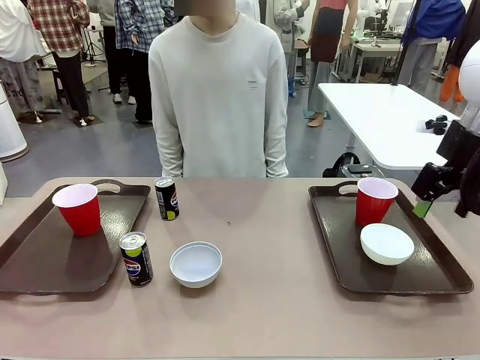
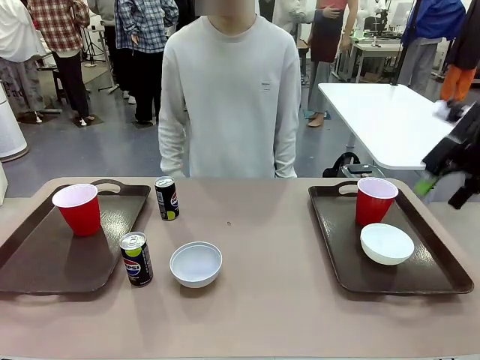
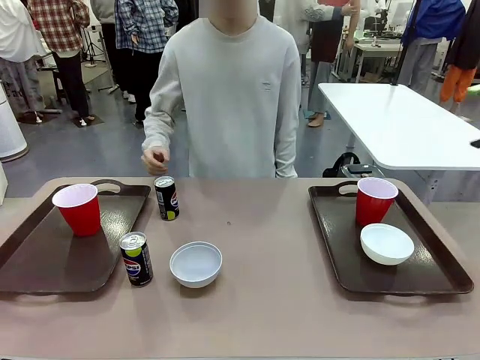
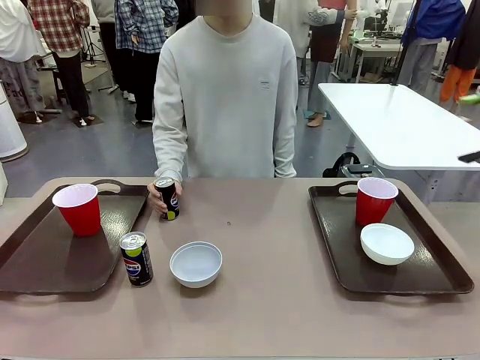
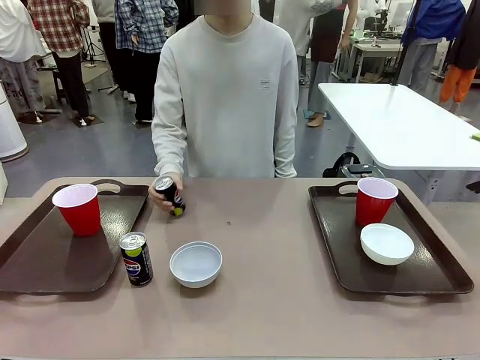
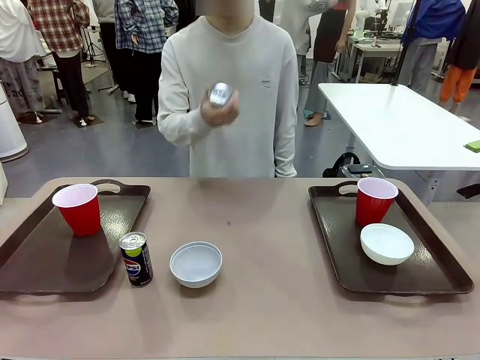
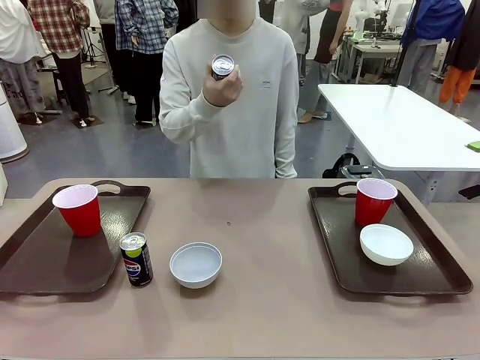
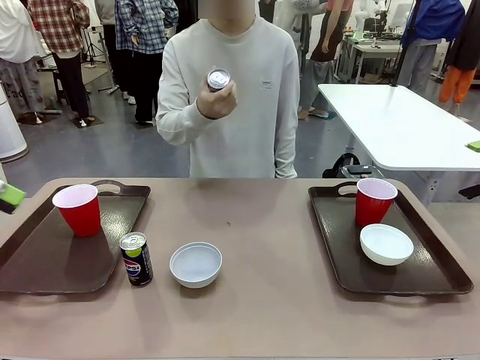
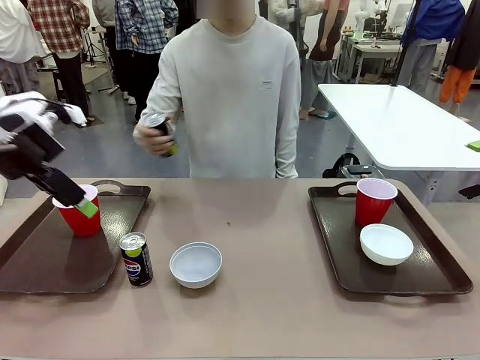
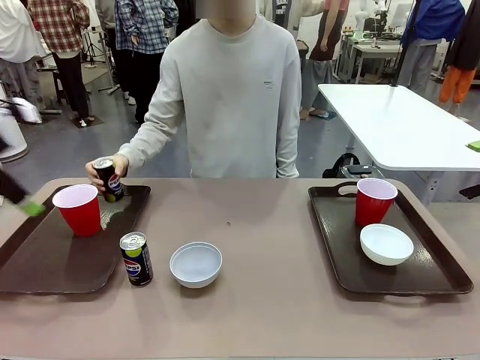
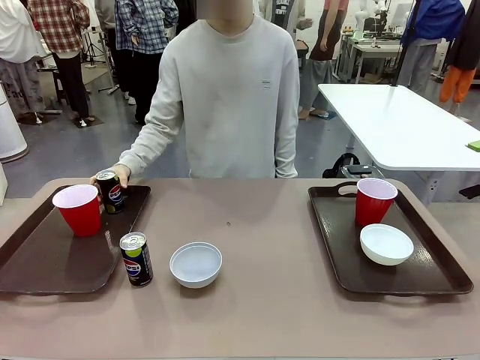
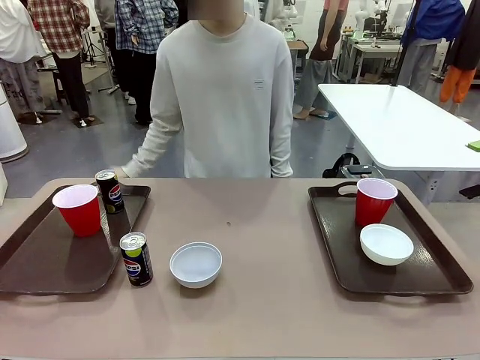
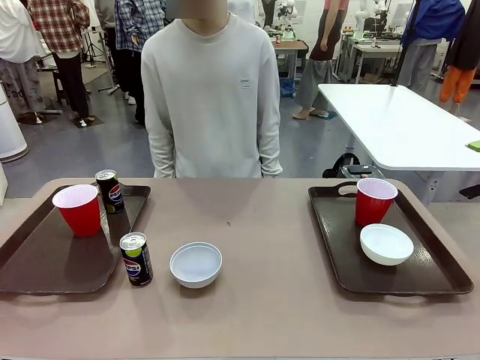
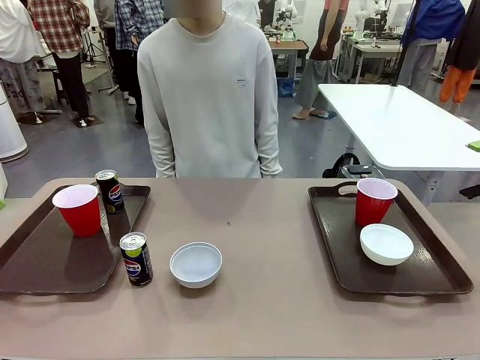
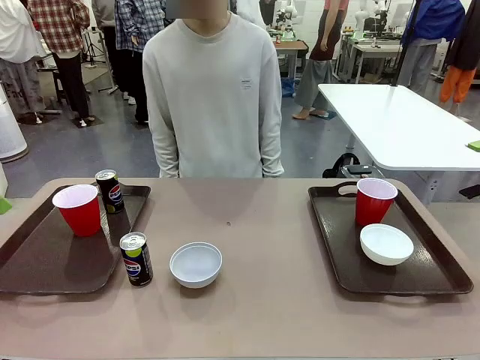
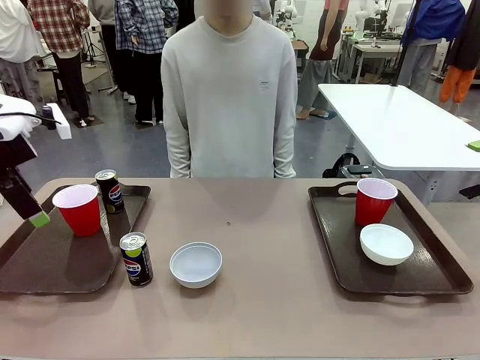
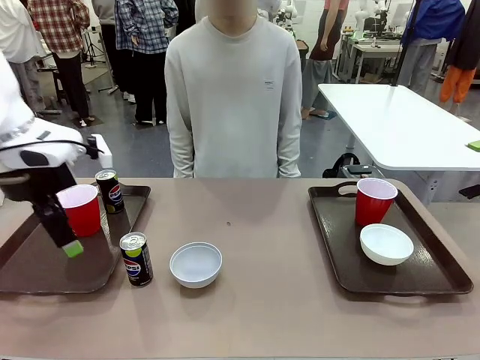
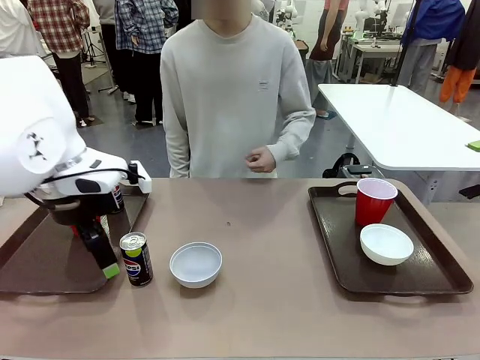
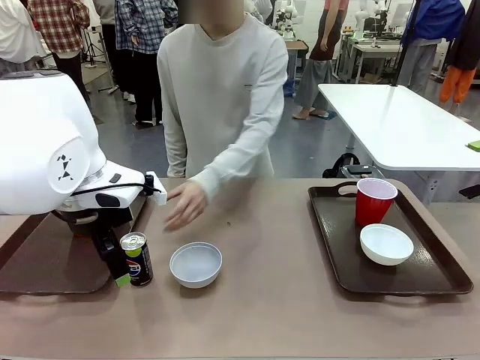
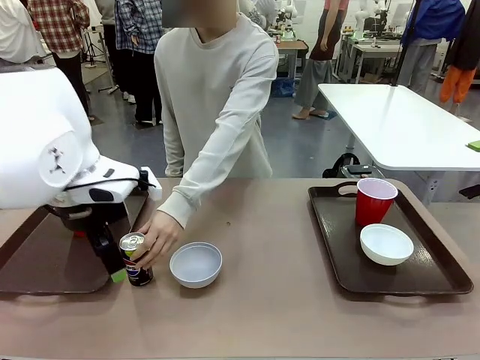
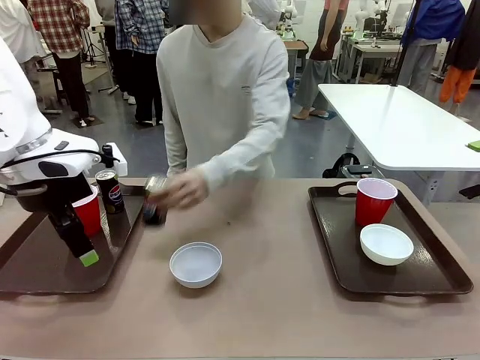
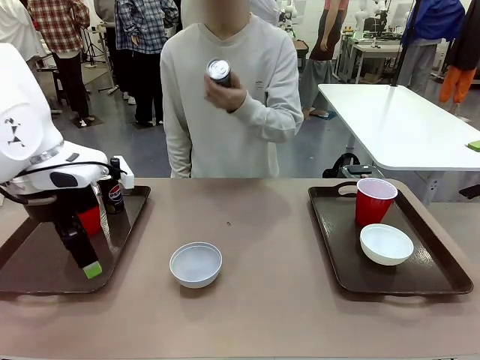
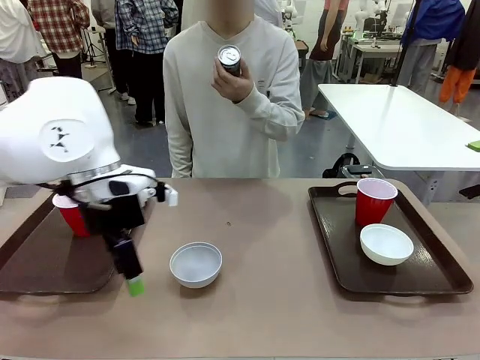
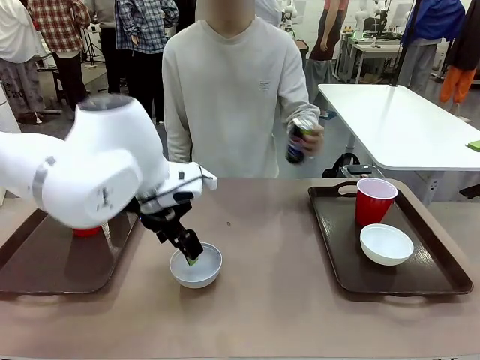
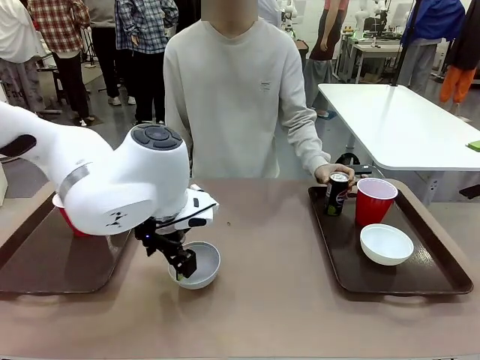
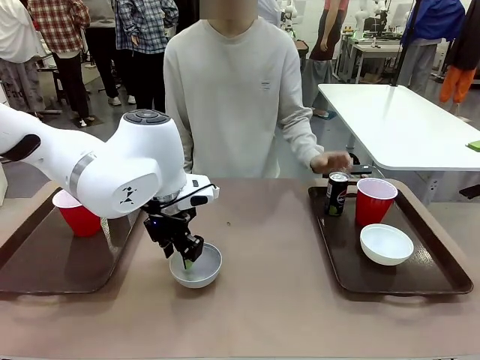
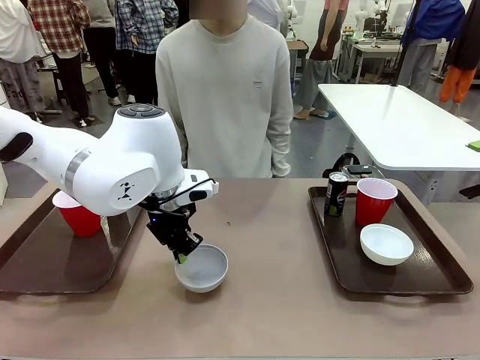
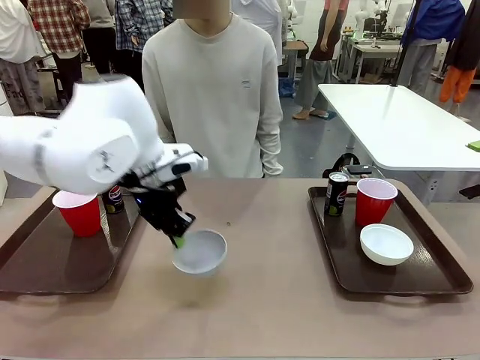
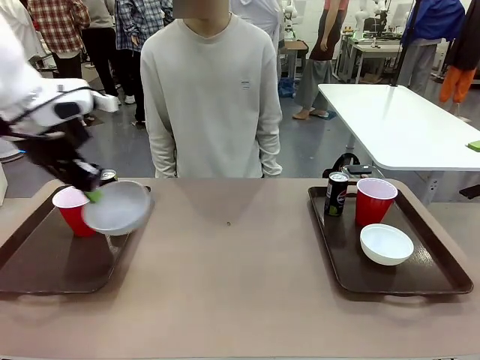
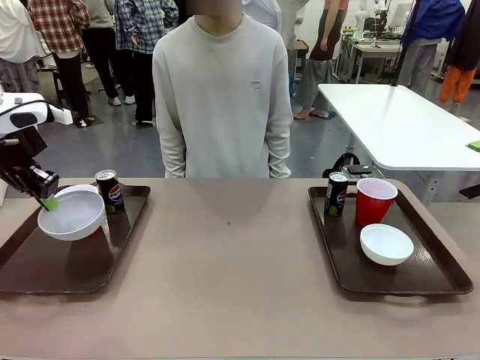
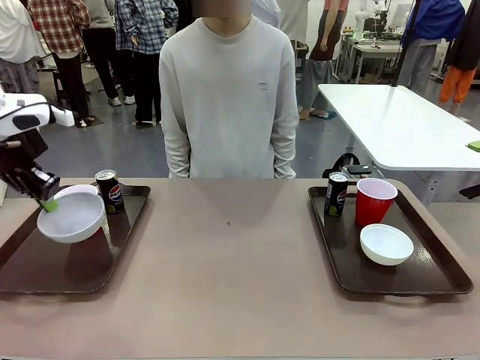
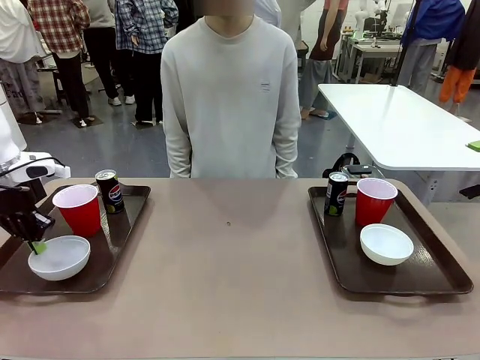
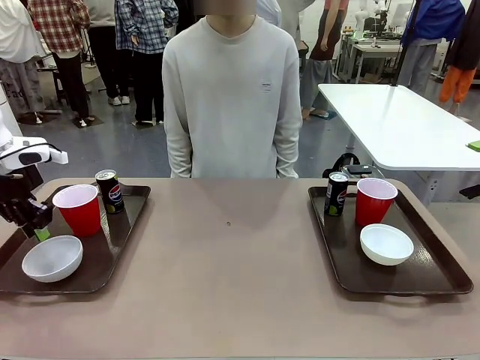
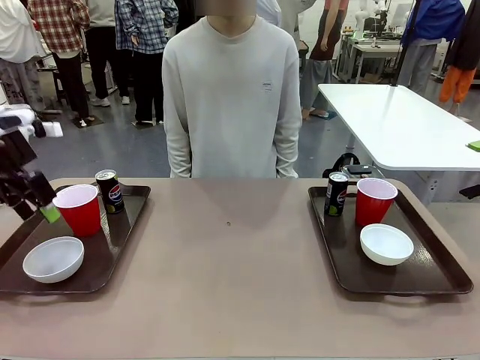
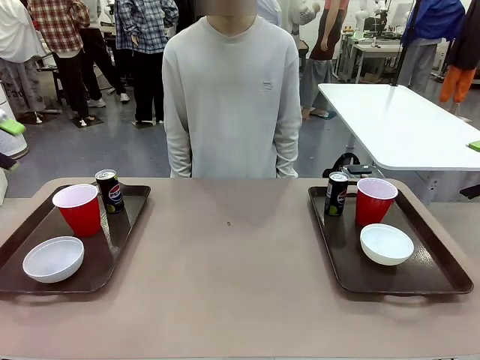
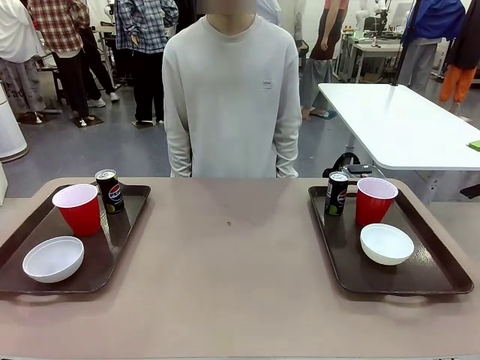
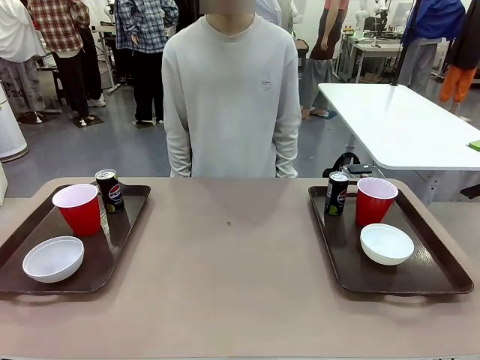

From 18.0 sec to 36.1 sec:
Task: Prepare tableware on both trays.
Robot: Pick up a Picnic Bowl from the table and place it on a Handle tray.
Person: Pick up a can or cup and place it on the tray without a can or cup.

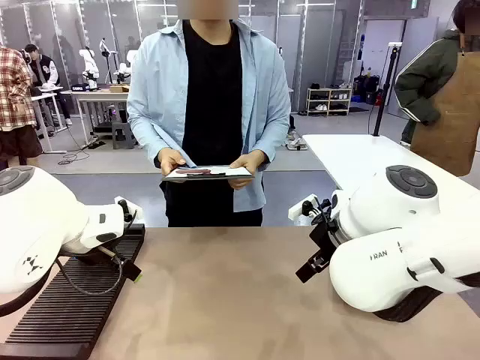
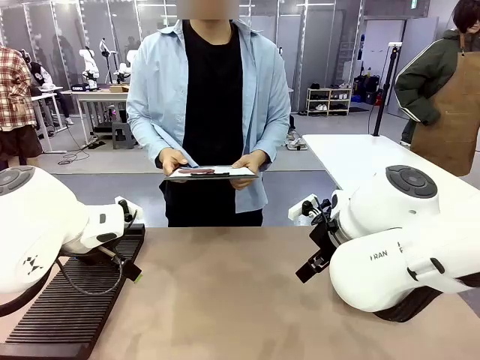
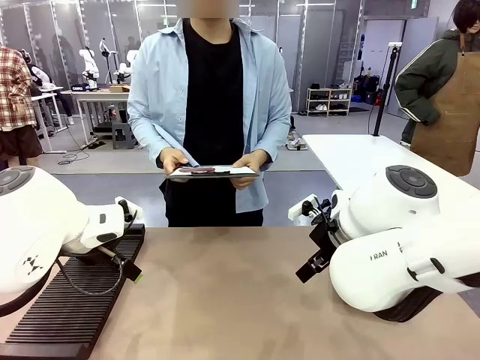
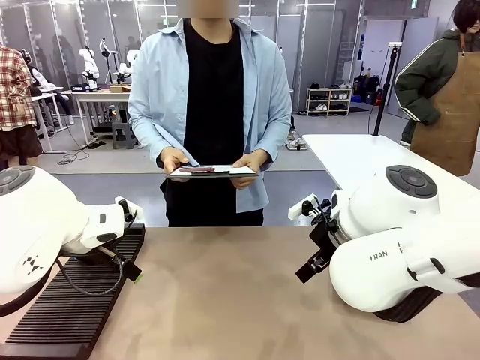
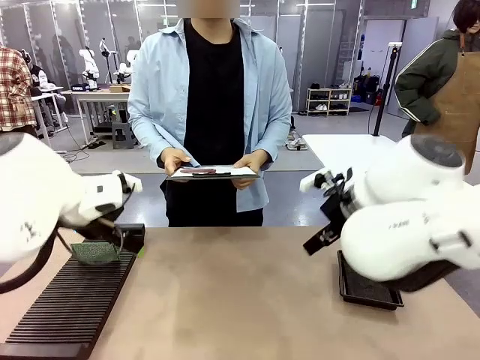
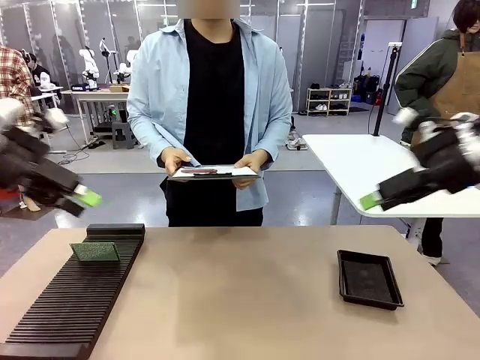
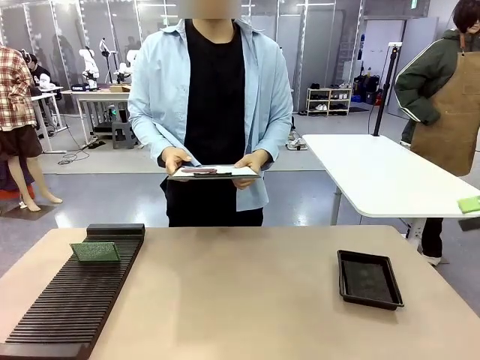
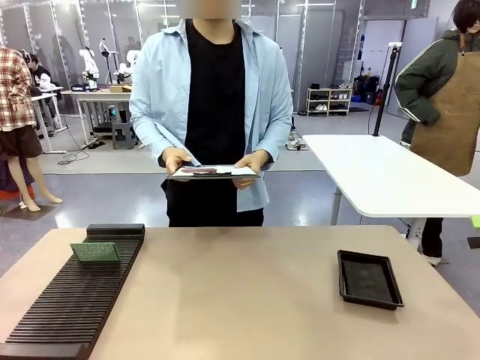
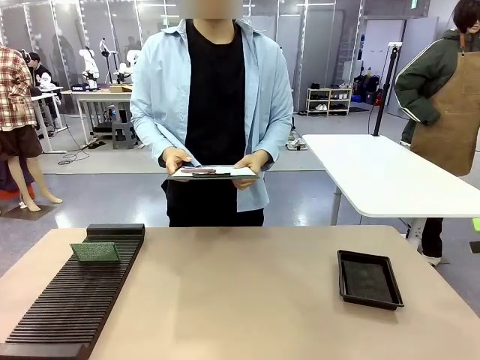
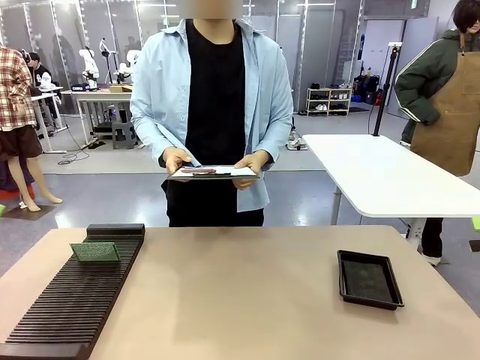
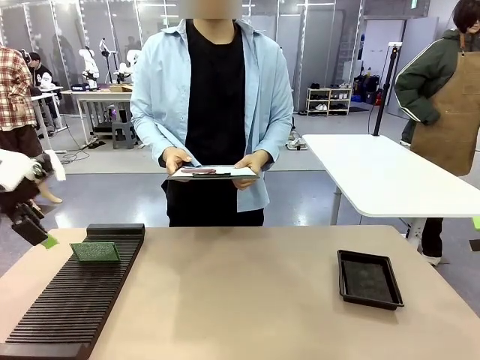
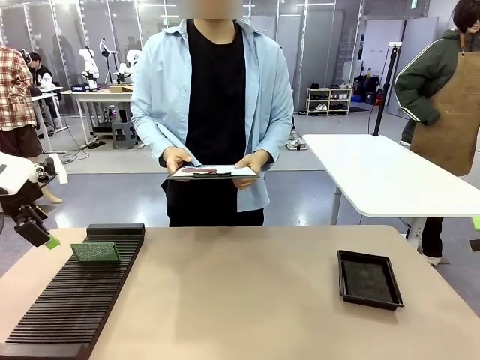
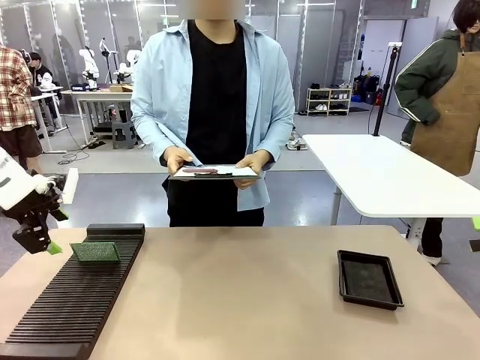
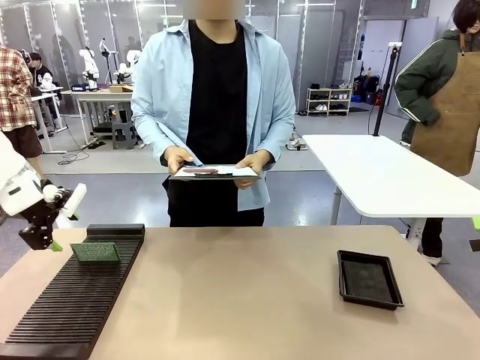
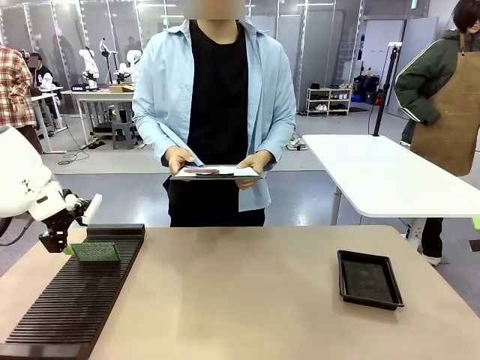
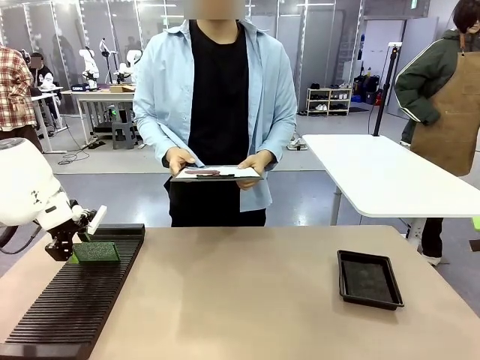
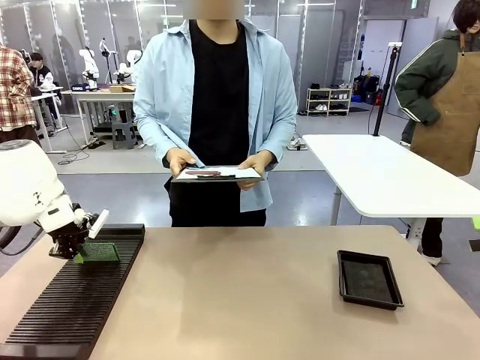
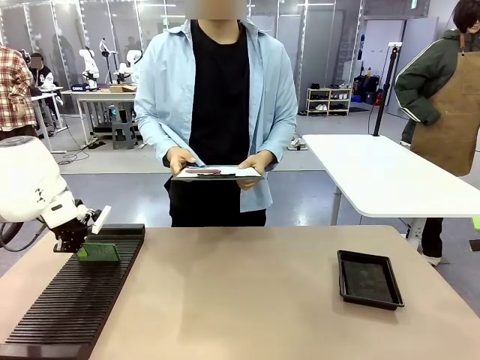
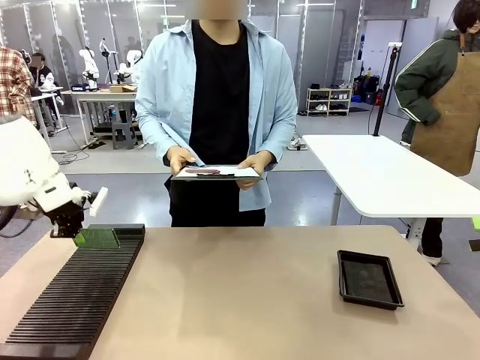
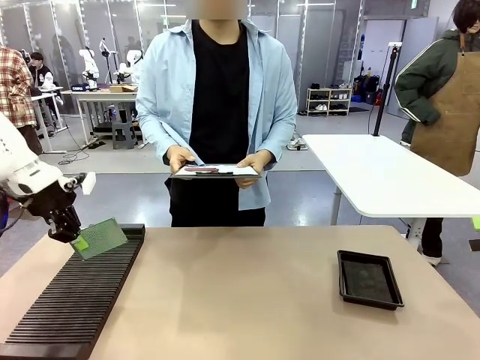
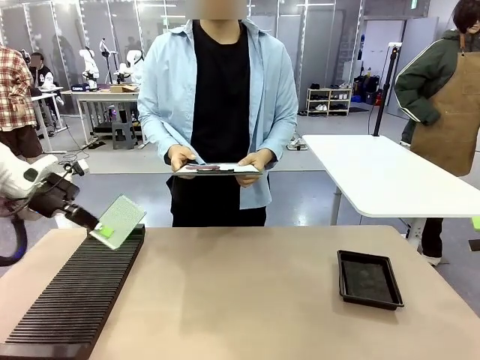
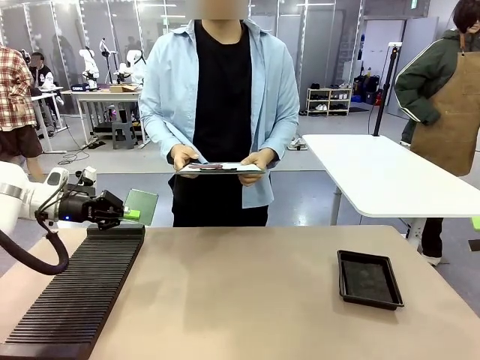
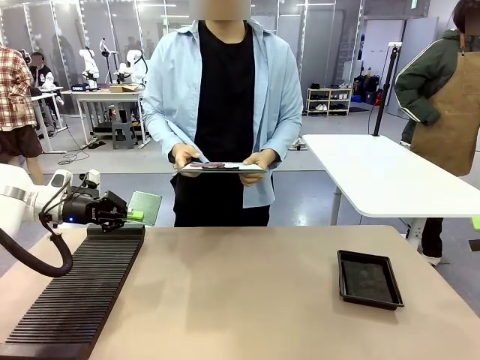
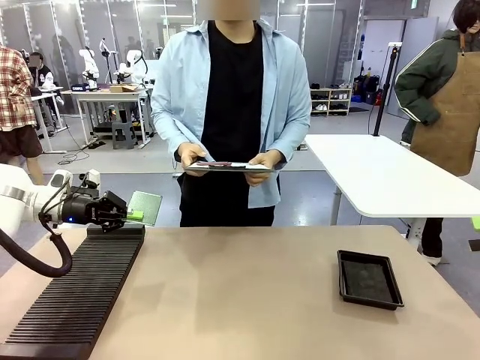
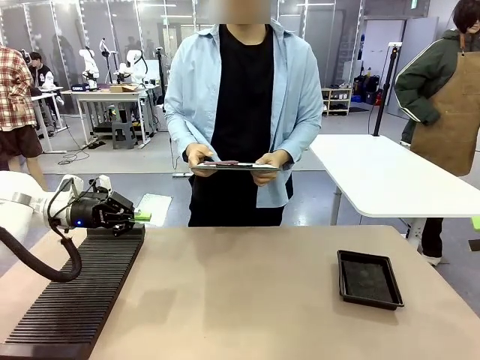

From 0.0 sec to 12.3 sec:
Task: Inspect the PCB.
Robot: Pick up the Blank PCB and present it to the human.
Person: Pick up the PCB presented by the robot.
